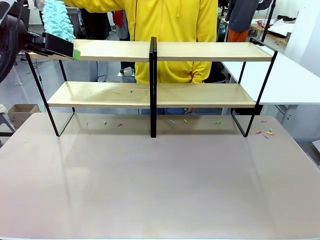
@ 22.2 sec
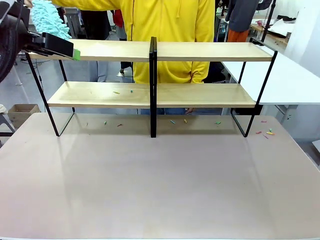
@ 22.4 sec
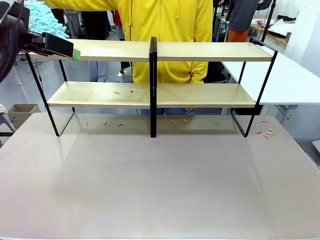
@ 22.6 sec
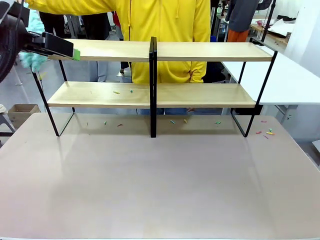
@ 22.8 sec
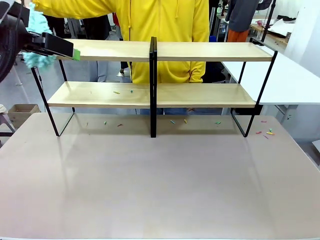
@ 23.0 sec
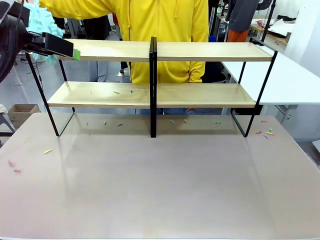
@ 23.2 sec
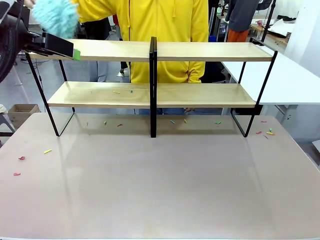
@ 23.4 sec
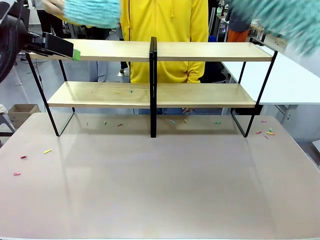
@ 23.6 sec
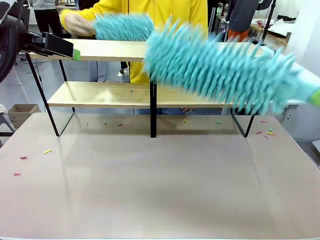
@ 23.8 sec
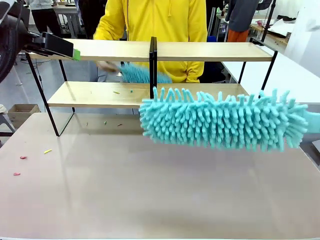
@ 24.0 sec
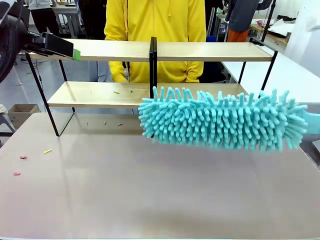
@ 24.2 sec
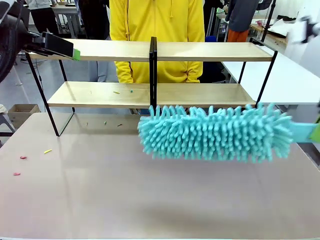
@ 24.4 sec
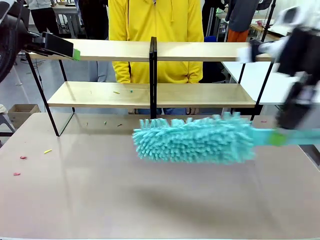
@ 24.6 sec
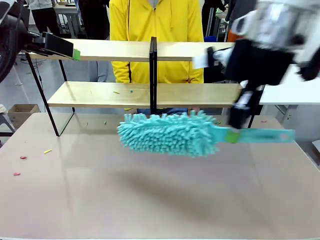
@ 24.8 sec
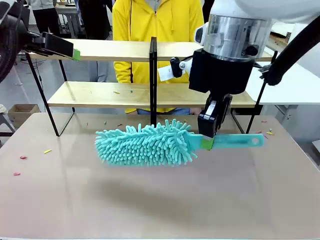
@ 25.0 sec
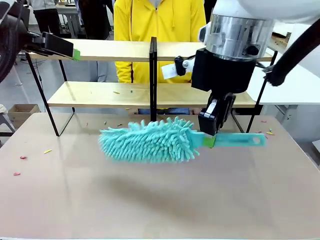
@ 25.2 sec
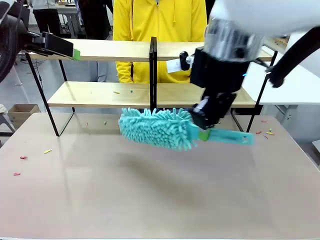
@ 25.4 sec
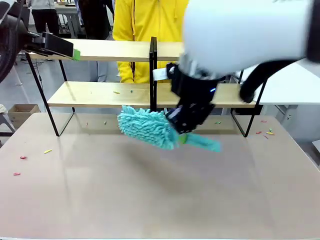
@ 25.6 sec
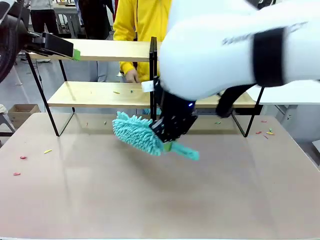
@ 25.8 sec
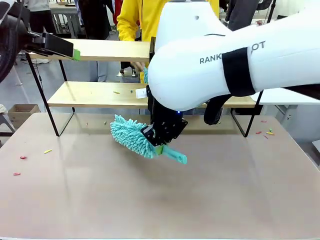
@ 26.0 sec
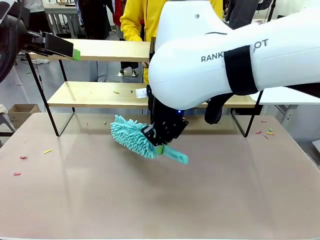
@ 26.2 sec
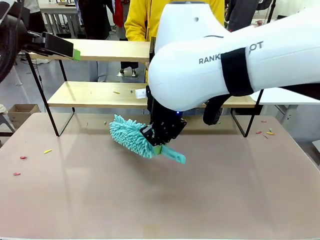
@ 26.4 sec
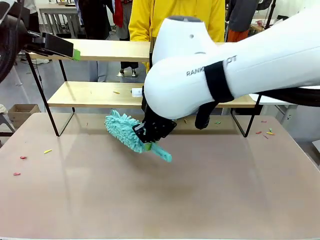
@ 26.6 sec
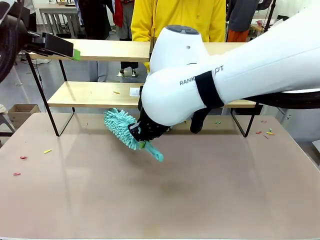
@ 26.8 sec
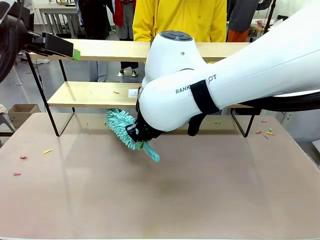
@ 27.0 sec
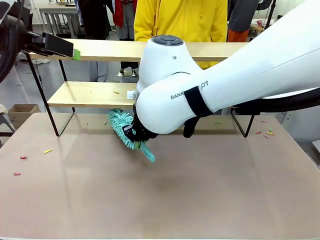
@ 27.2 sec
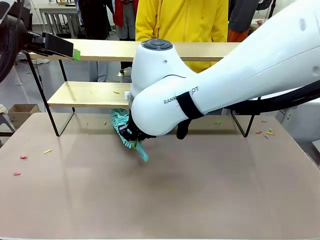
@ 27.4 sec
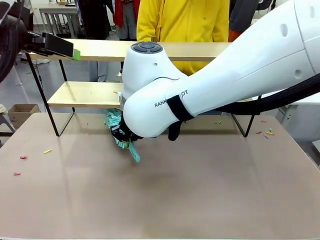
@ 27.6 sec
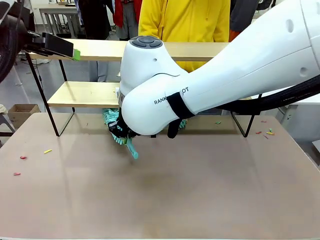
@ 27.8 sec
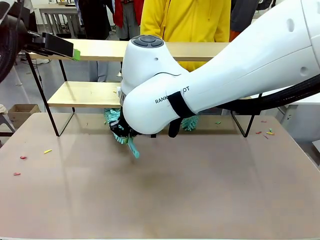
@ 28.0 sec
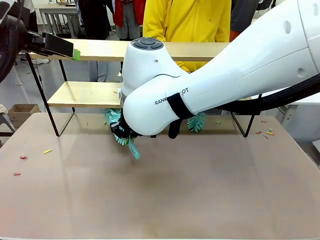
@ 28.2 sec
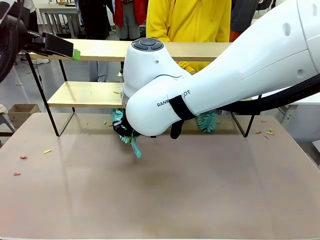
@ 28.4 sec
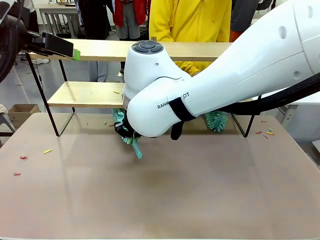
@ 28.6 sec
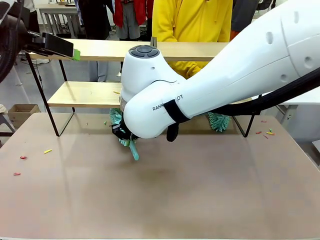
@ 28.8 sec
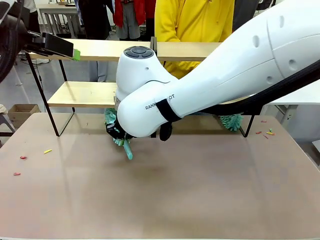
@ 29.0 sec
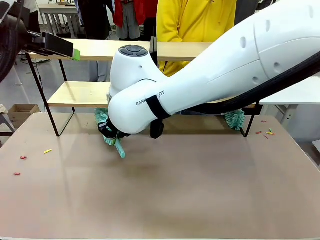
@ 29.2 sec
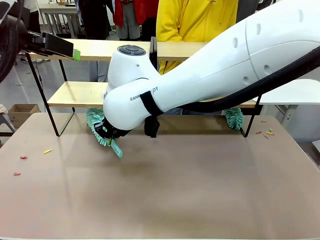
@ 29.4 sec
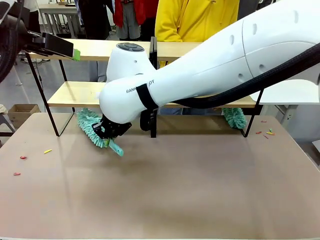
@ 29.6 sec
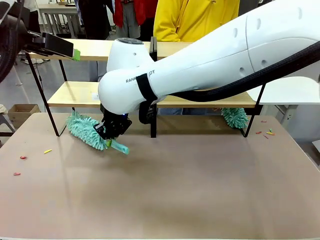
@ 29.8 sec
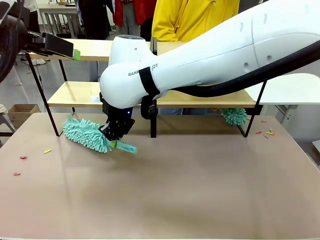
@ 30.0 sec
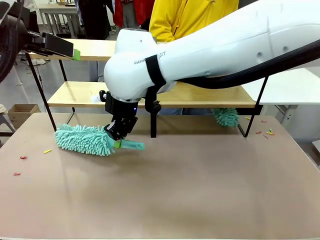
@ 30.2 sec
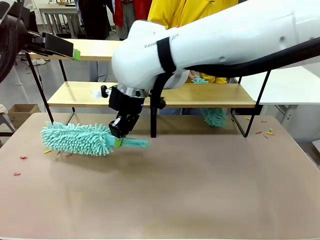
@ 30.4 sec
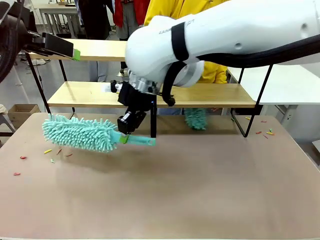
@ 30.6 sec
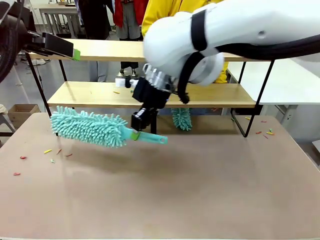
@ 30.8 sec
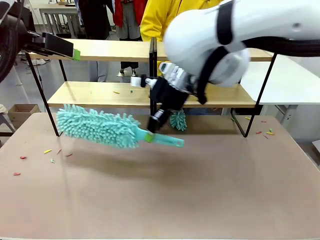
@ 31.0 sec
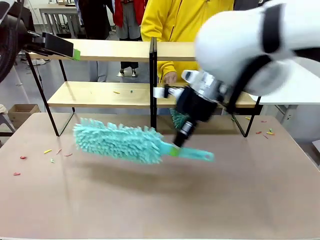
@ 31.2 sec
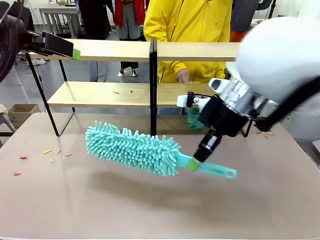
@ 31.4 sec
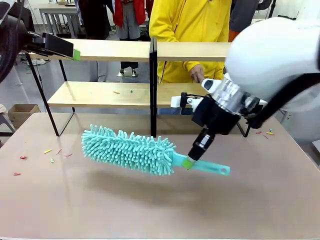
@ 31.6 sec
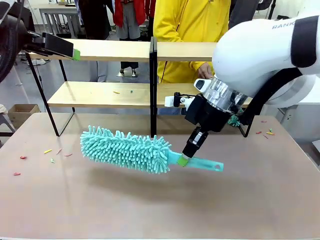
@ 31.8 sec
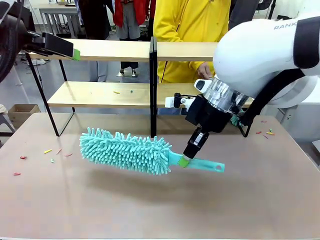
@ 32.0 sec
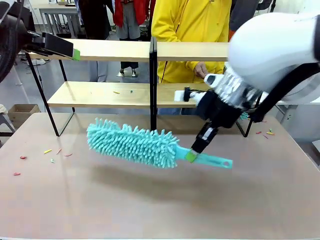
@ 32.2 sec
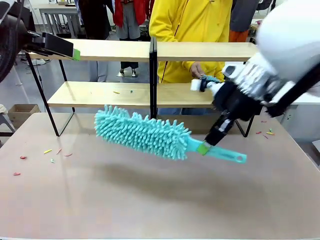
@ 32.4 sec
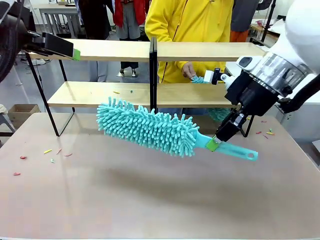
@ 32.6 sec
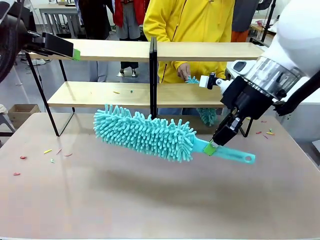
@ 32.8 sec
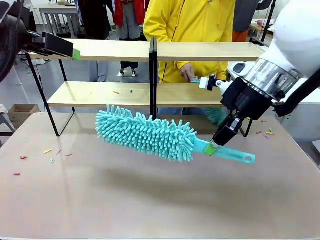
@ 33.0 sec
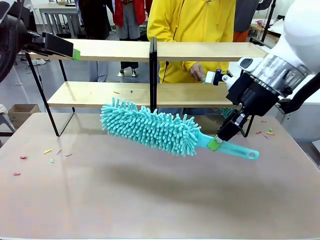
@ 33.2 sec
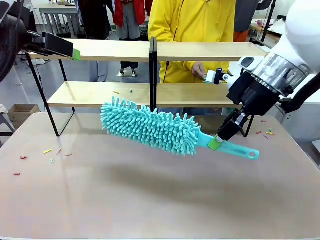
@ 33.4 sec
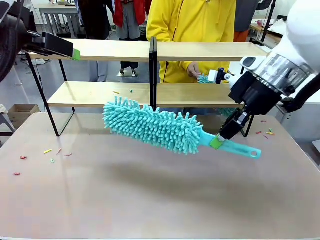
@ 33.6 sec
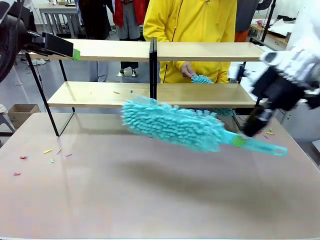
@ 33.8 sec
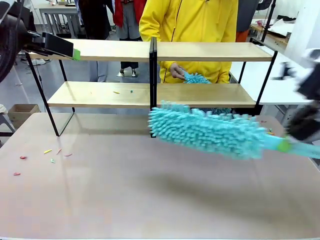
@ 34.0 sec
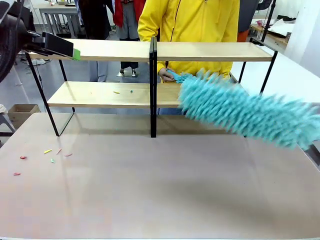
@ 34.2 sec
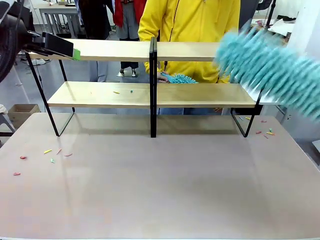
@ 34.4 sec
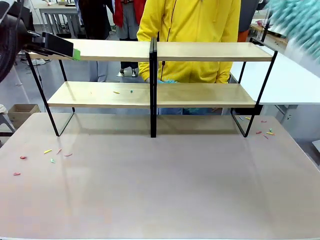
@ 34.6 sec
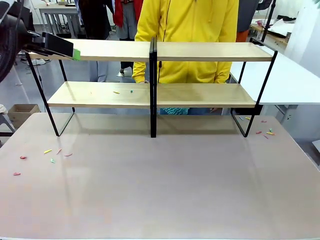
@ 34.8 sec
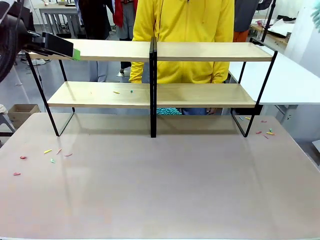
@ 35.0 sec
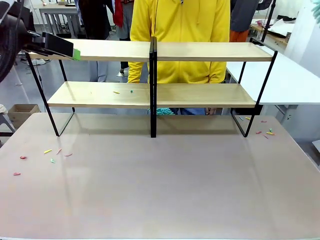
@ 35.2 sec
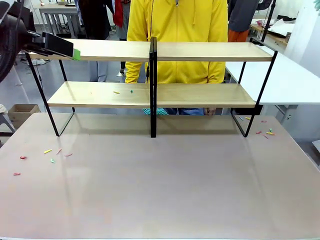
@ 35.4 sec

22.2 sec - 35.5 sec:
Task: Clean the shelves.
Robot: Clean another randomly selected level of the Shelf with the Duster.

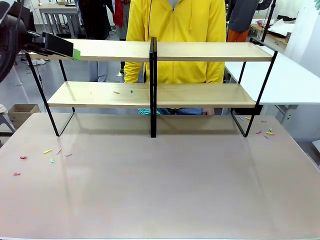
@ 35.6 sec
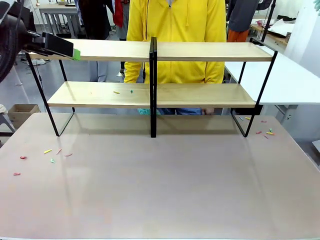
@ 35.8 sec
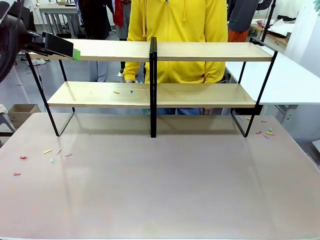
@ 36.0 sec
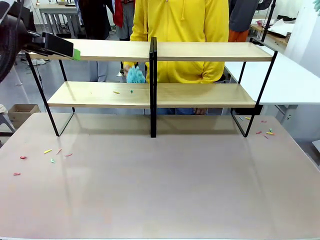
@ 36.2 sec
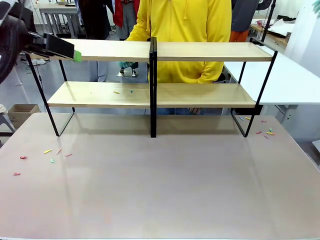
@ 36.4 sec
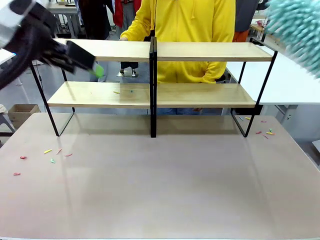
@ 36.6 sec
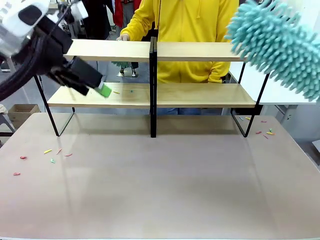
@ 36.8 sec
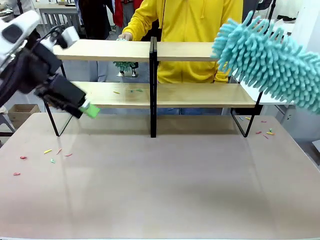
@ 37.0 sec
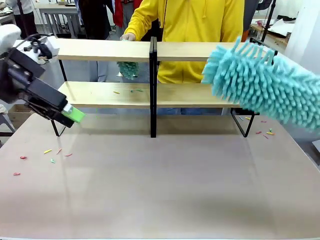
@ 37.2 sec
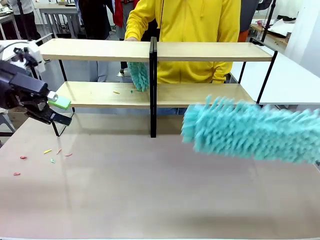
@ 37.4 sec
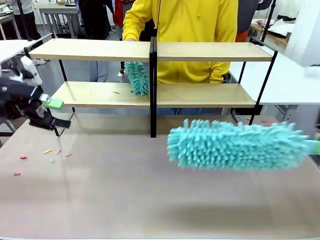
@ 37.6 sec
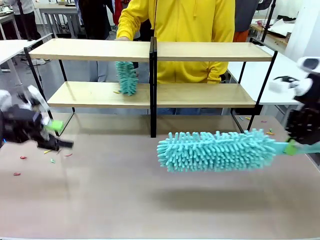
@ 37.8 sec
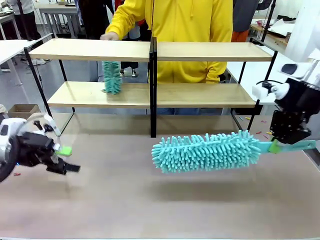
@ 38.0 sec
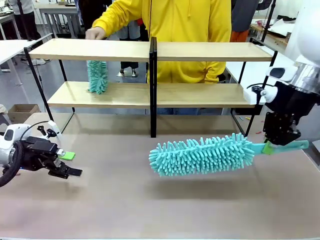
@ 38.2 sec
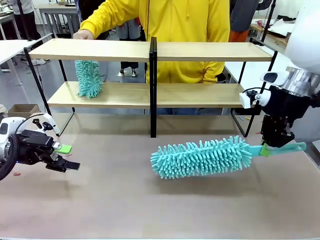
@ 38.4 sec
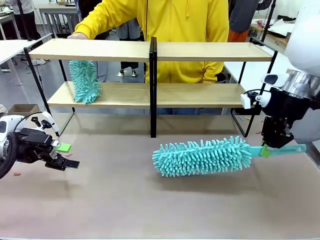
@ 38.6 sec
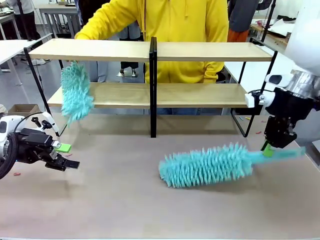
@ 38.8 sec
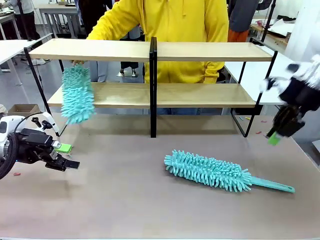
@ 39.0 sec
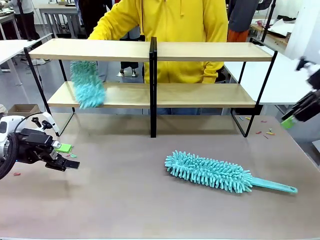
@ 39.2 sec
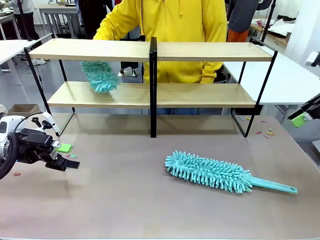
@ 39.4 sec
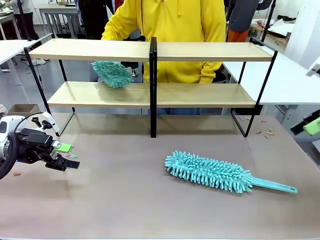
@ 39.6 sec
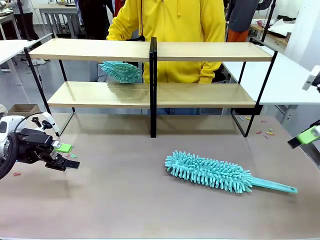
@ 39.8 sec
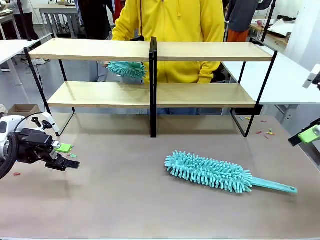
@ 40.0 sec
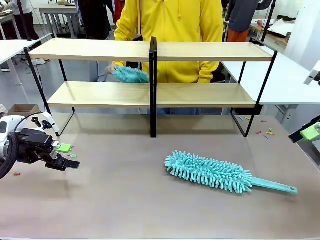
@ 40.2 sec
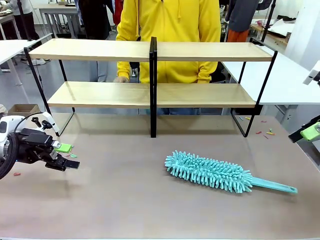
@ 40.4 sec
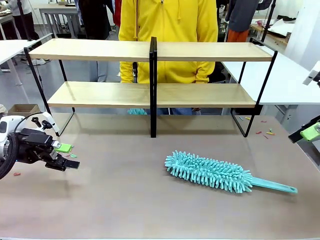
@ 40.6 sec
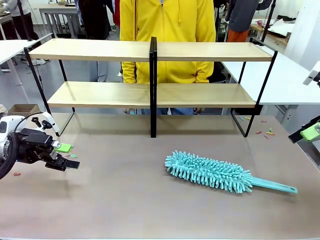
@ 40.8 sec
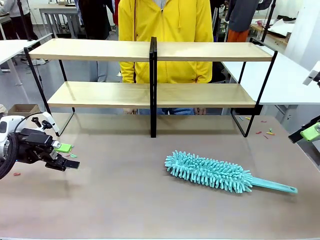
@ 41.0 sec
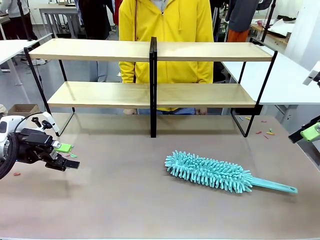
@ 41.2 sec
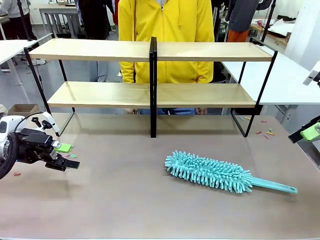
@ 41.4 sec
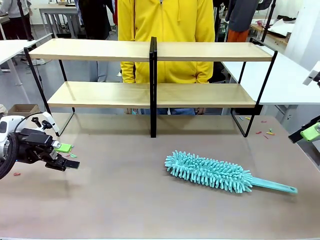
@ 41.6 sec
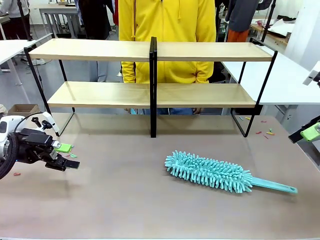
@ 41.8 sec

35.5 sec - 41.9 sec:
Robot: Place the Duster on the table.
